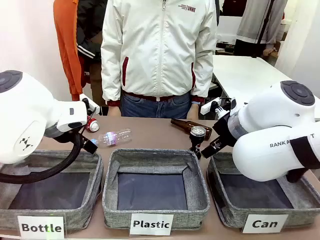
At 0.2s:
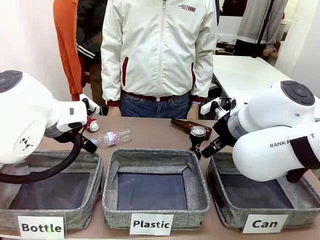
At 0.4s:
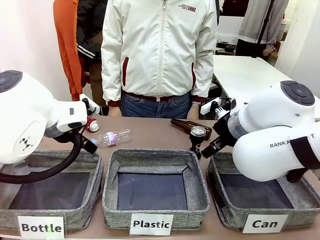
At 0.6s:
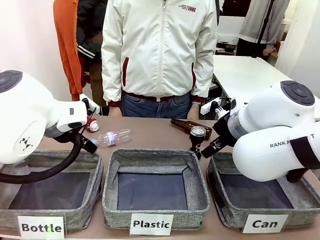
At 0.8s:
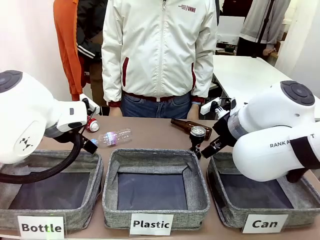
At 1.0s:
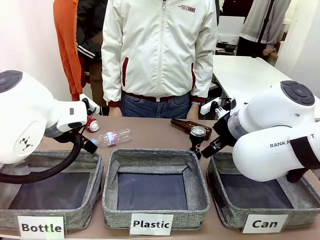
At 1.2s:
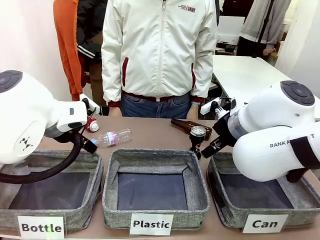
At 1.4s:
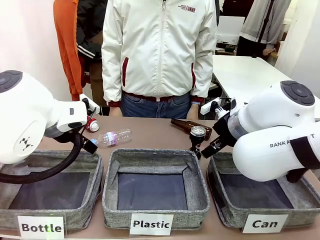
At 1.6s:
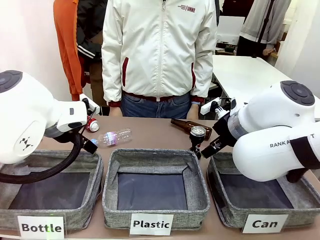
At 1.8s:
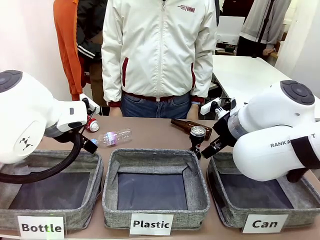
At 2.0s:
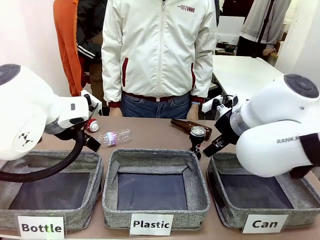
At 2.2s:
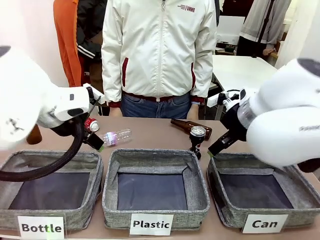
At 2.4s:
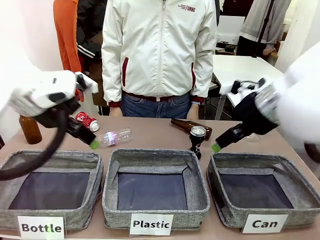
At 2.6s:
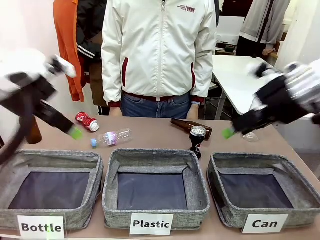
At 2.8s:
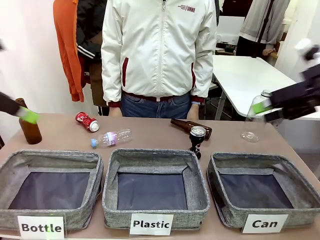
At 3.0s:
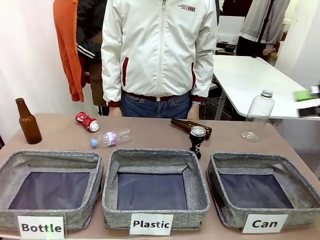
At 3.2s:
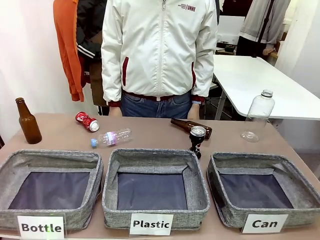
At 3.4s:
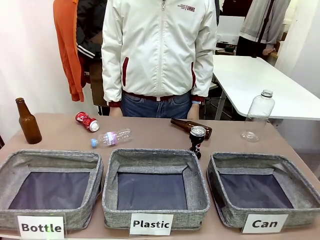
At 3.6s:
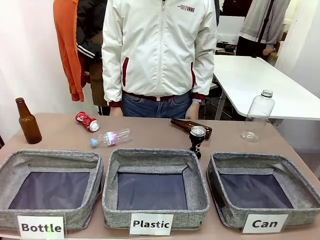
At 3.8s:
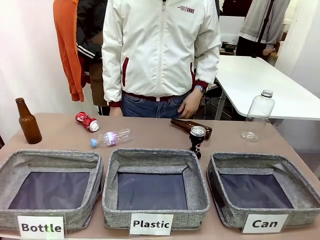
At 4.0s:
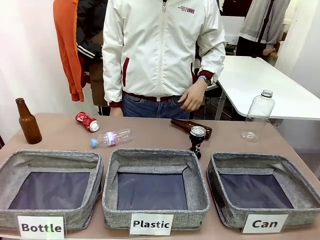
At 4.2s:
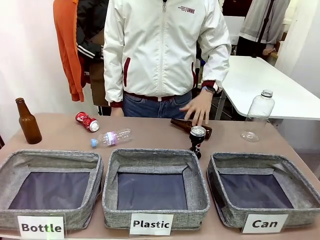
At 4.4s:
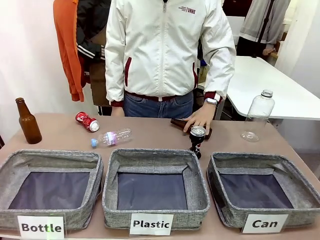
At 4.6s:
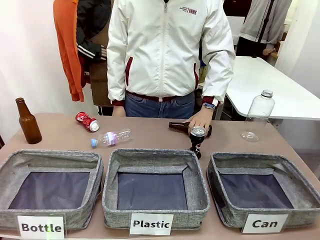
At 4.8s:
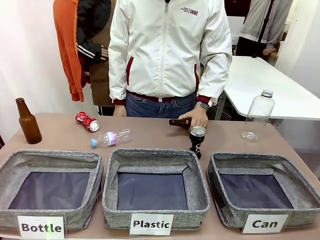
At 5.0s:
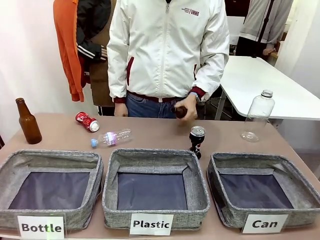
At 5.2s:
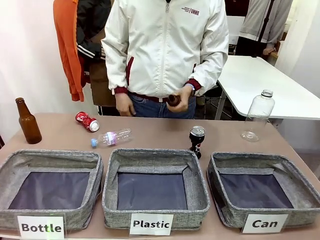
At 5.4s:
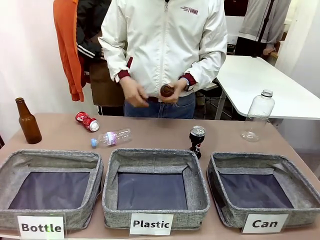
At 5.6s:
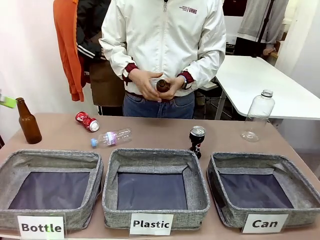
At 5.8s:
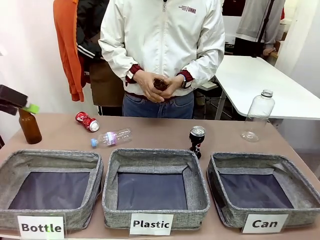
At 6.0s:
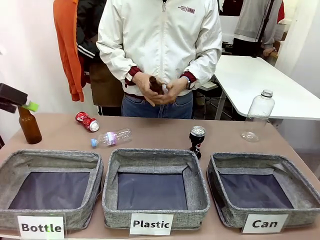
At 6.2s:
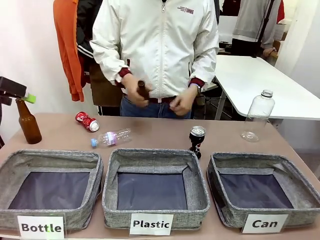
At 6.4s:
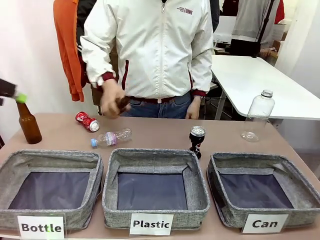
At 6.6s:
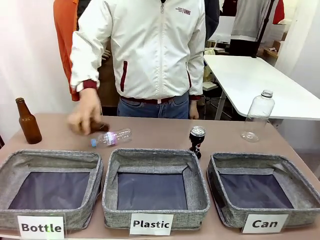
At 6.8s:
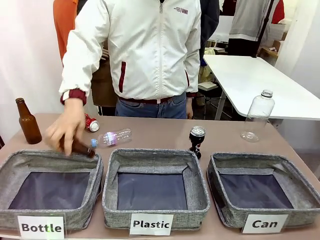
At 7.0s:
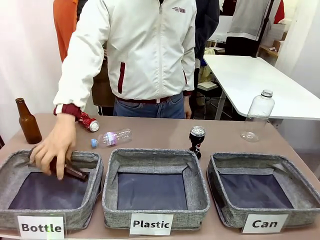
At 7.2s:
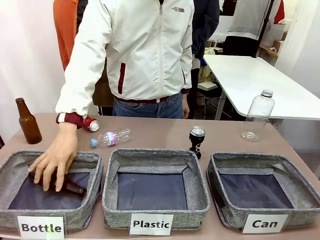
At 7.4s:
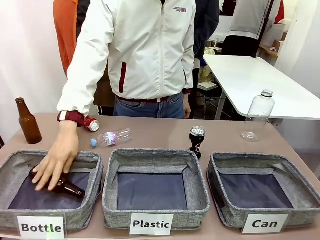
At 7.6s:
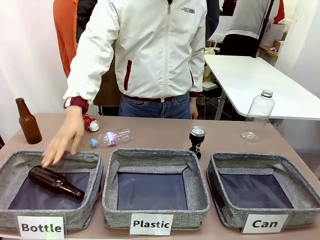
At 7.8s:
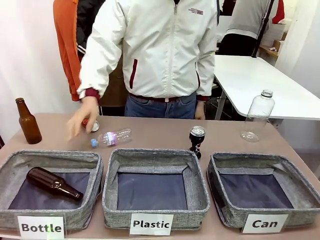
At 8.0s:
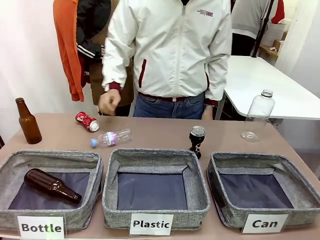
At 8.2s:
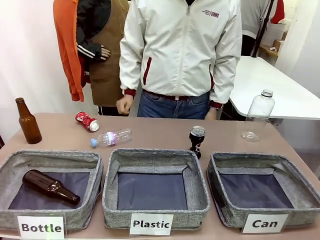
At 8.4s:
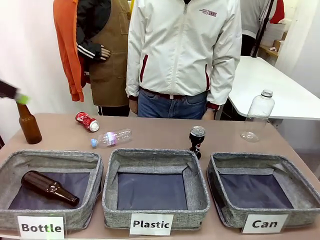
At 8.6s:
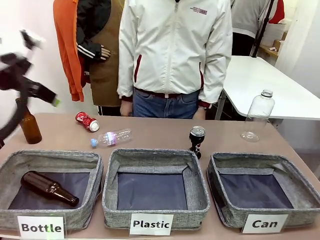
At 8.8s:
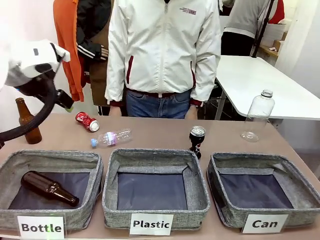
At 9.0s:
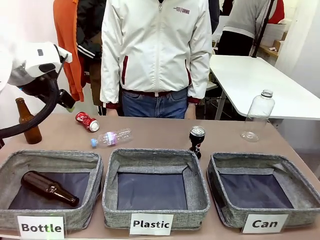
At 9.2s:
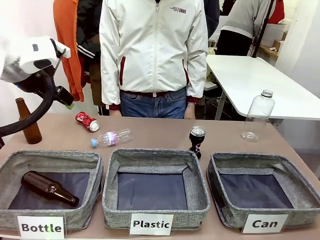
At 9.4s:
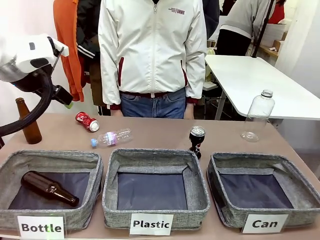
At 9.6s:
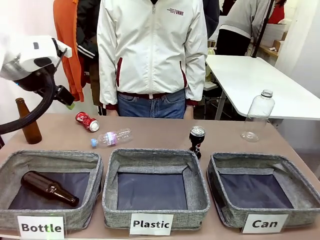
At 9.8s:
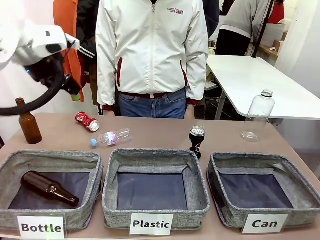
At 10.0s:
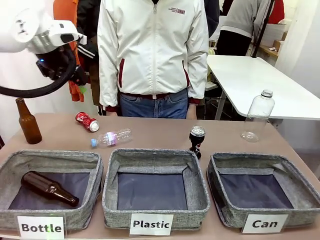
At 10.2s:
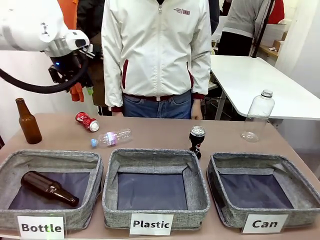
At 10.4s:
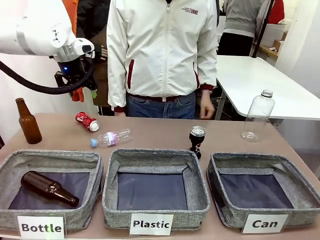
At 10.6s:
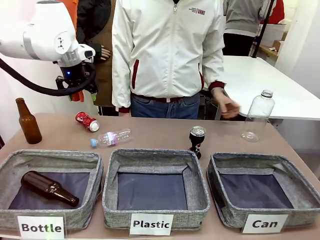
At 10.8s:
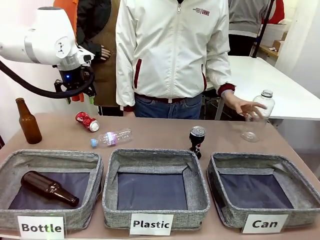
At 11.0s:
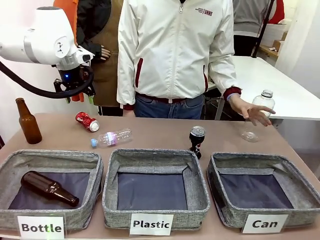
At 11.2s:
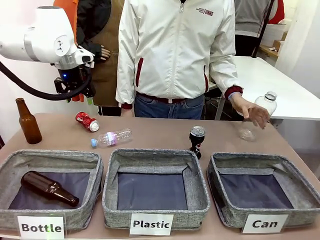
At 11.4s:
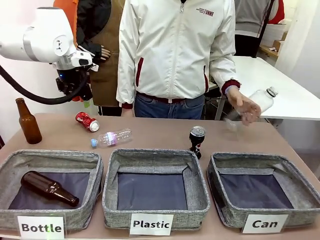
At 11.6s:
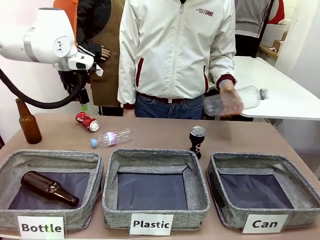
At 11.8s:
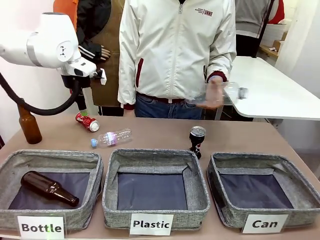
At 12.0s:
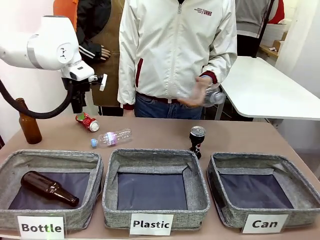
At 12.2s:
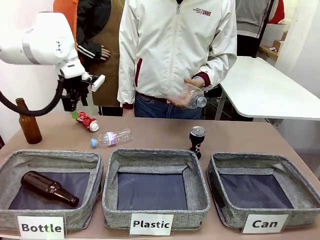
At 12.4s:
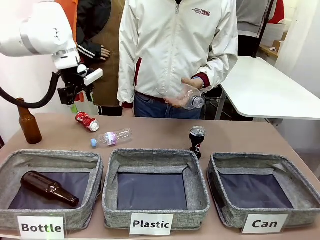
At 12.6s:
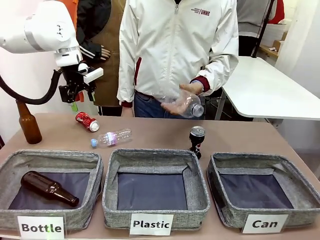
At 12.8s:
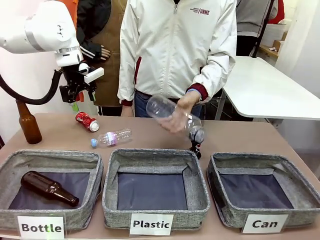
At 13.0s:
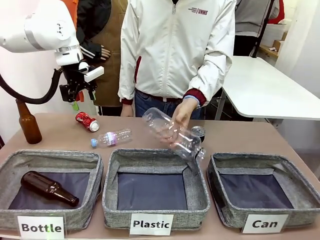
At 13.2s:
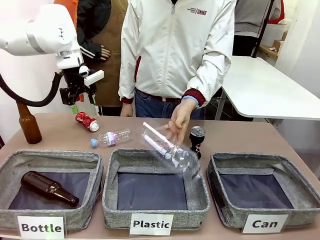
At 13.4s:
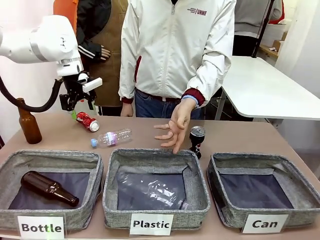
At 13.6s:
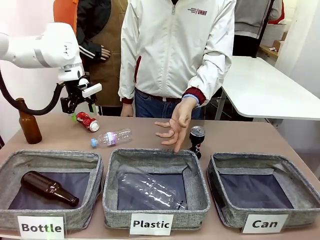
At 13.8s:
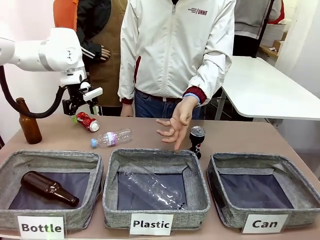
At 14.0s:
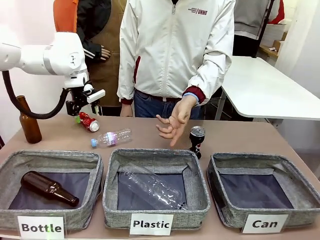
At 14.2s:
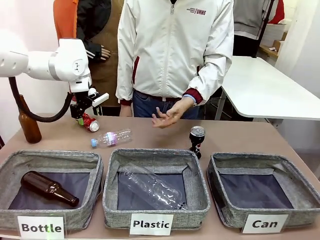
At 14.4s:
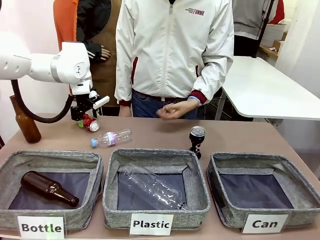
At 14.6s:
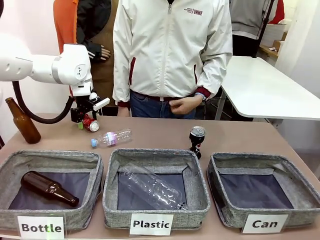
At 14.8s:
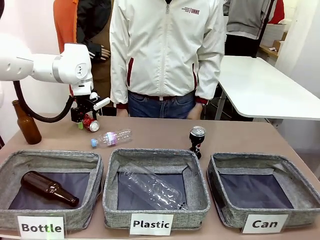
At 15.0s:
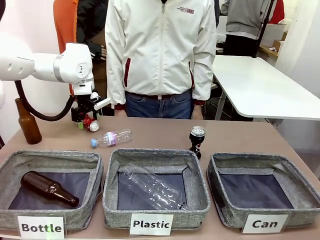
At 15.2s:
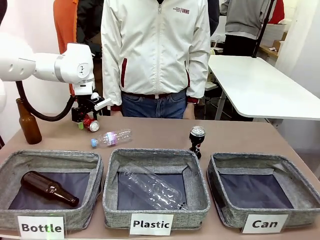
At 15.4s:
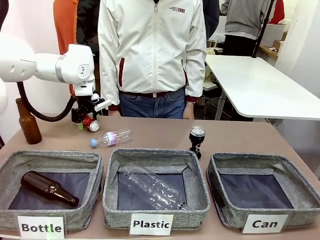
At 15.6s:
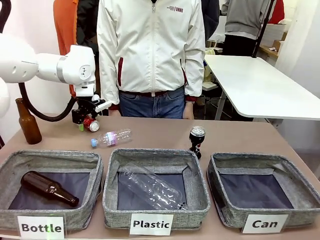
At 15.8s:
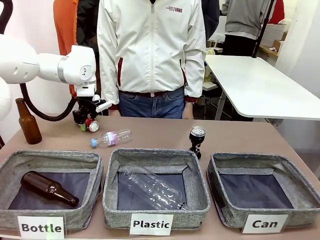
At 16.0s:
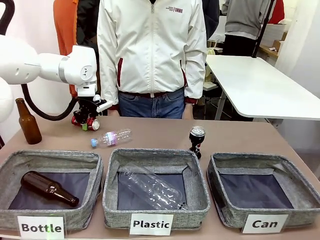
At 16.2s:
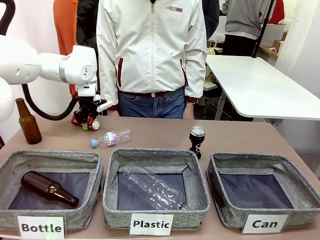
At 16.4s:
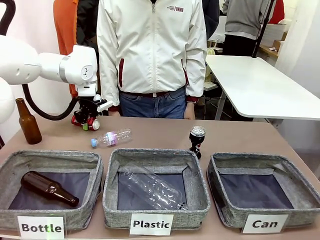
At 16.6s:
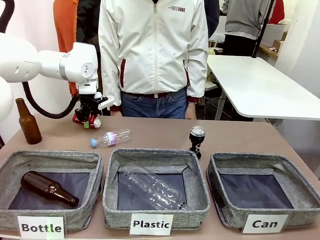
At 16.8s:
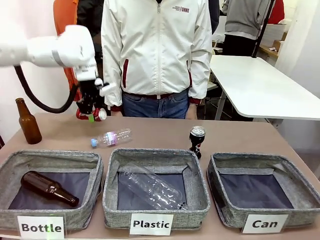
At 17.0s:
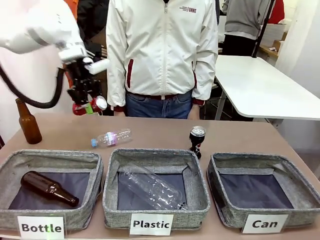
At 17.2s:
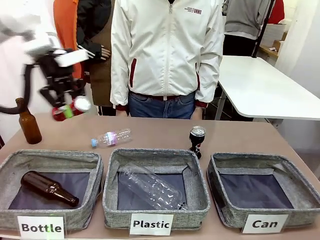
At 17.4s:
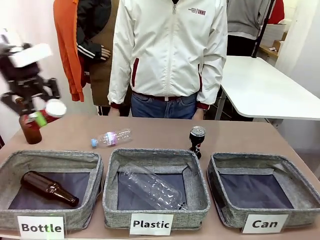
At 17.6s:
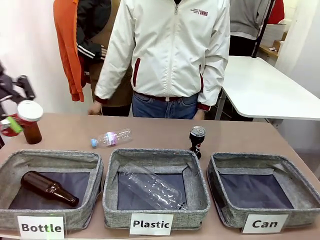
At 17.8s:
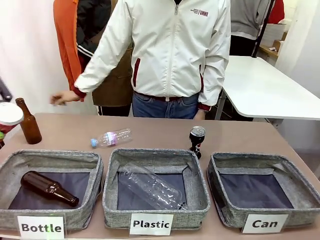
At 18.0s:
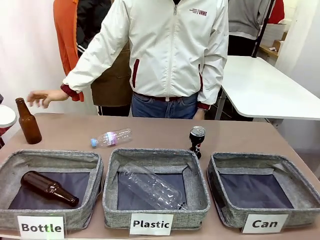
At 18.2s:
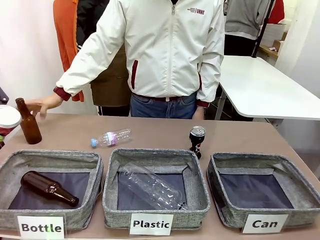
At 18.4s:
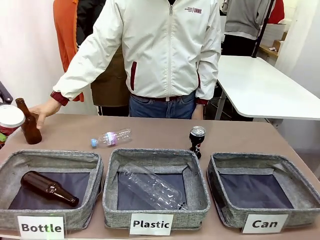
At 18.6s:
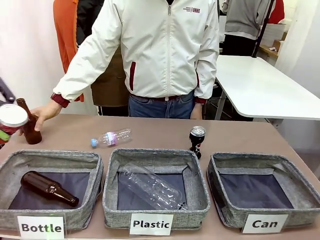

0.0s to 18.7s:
Task: Sort the can waste into the basket.
Robot: Pick up the can waste from the table and place it in the right Fabric basket.
